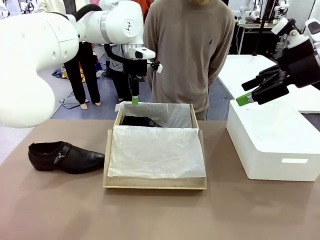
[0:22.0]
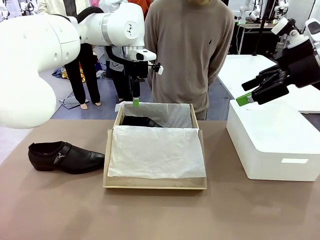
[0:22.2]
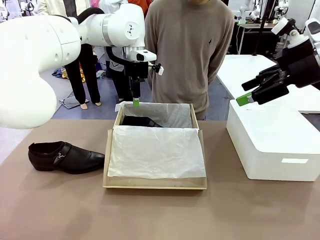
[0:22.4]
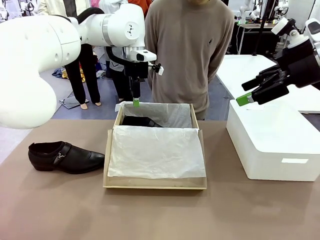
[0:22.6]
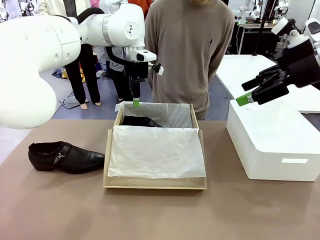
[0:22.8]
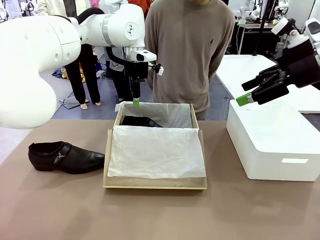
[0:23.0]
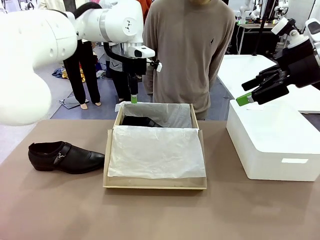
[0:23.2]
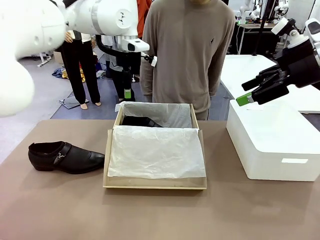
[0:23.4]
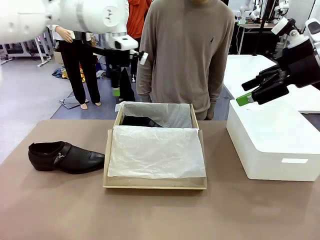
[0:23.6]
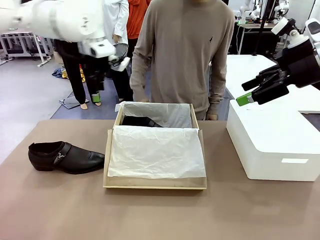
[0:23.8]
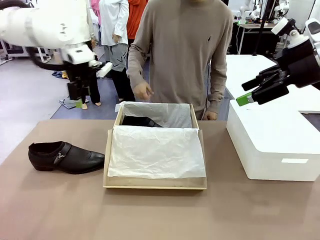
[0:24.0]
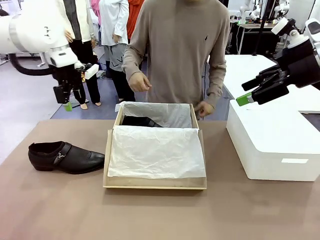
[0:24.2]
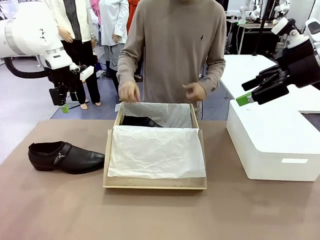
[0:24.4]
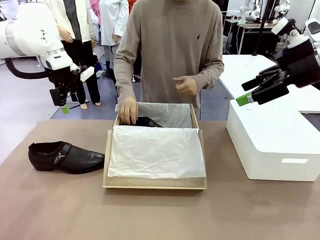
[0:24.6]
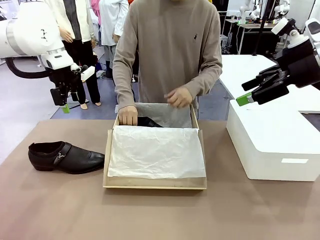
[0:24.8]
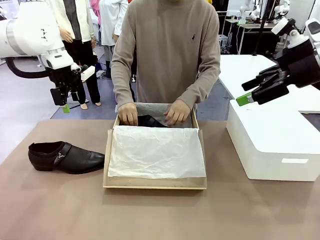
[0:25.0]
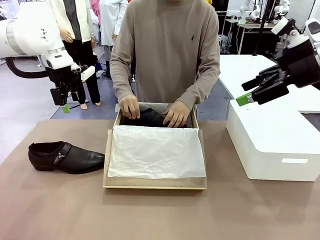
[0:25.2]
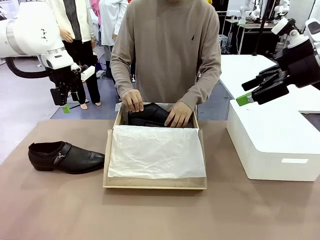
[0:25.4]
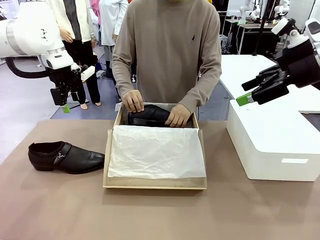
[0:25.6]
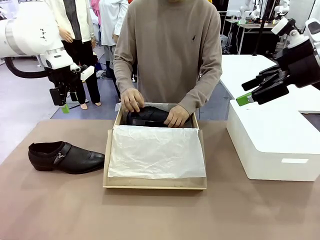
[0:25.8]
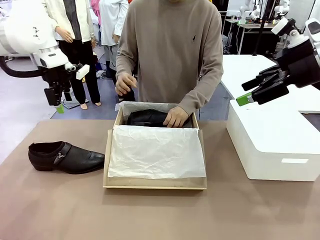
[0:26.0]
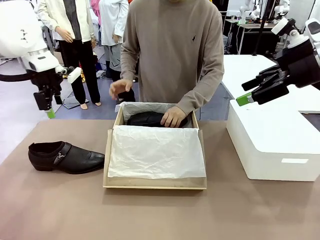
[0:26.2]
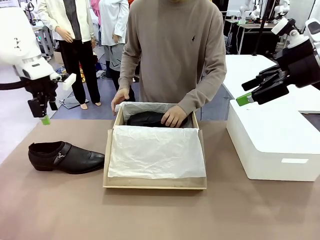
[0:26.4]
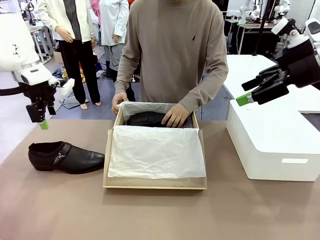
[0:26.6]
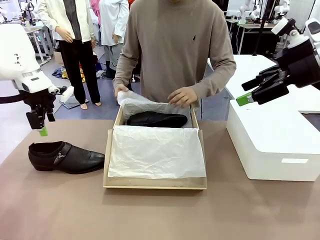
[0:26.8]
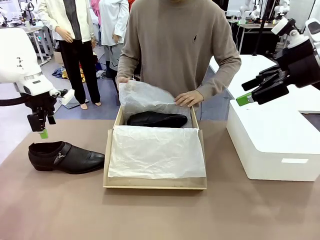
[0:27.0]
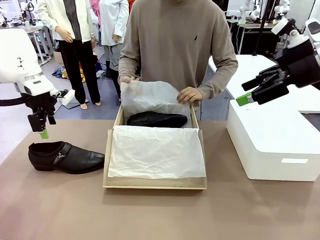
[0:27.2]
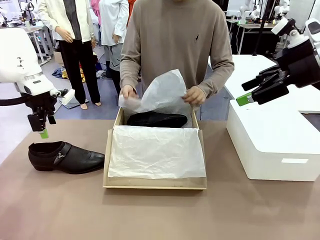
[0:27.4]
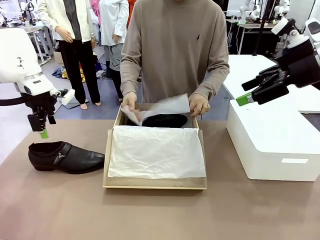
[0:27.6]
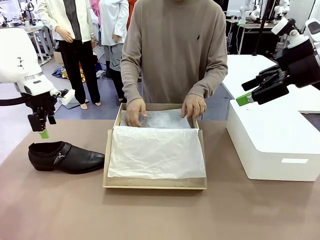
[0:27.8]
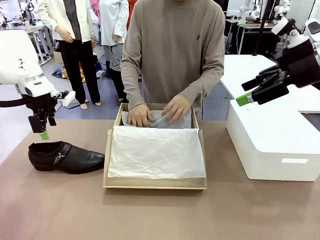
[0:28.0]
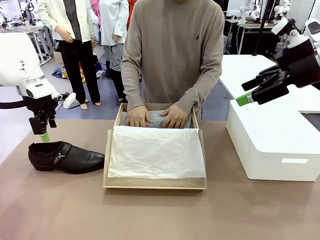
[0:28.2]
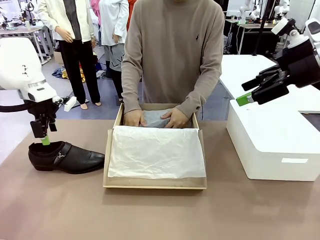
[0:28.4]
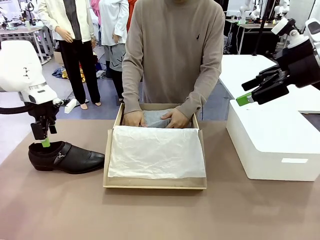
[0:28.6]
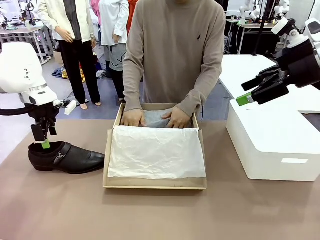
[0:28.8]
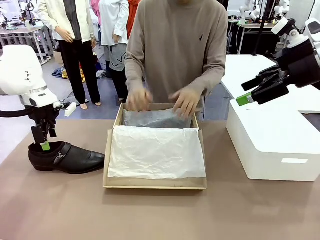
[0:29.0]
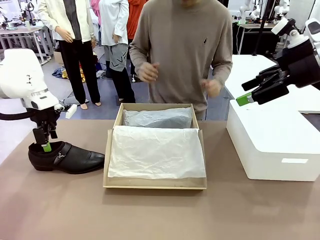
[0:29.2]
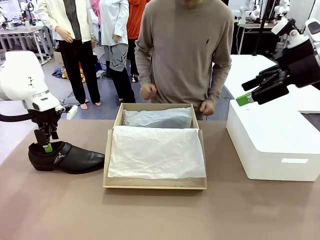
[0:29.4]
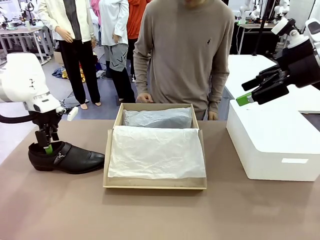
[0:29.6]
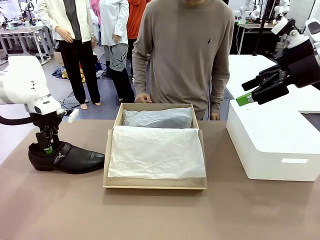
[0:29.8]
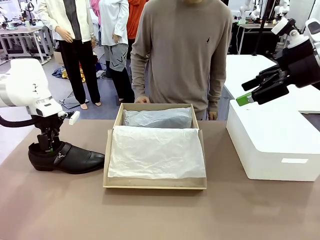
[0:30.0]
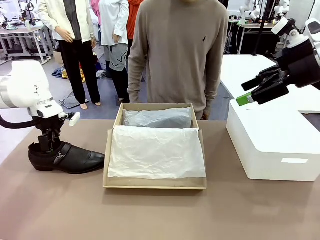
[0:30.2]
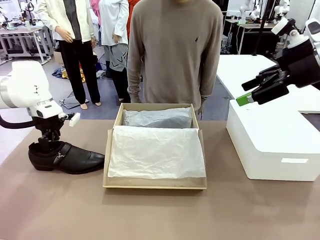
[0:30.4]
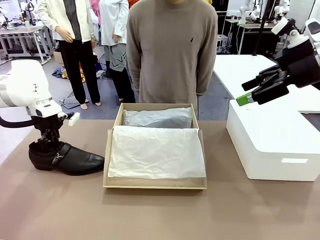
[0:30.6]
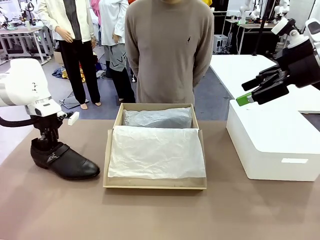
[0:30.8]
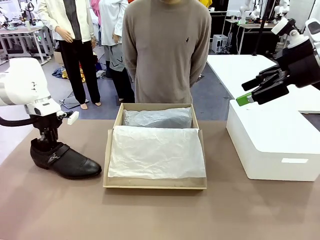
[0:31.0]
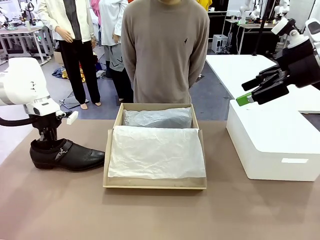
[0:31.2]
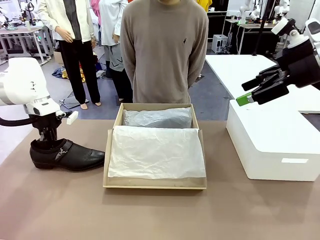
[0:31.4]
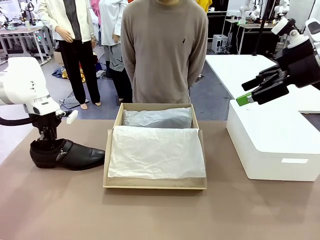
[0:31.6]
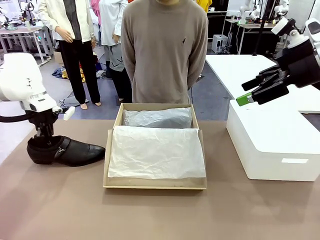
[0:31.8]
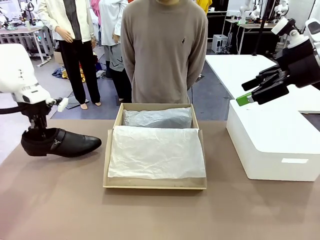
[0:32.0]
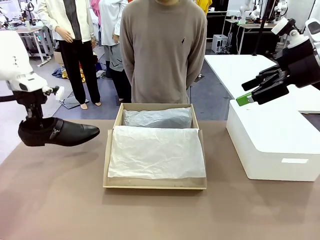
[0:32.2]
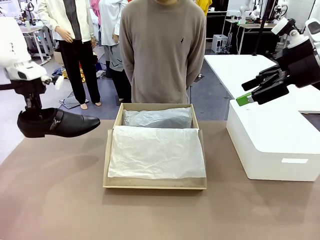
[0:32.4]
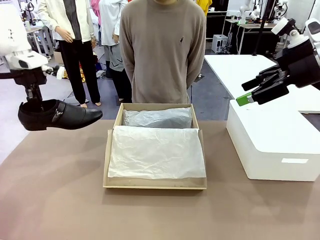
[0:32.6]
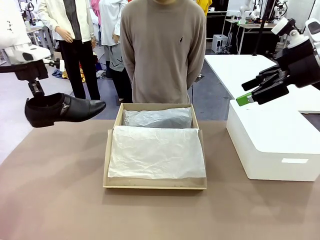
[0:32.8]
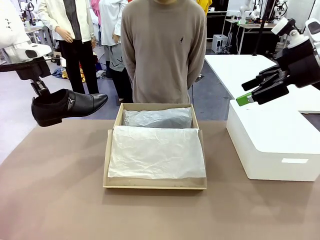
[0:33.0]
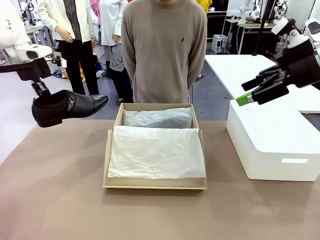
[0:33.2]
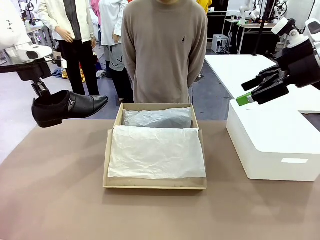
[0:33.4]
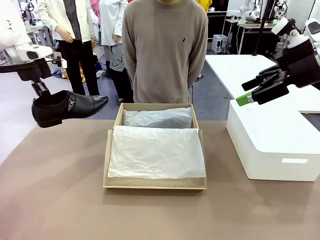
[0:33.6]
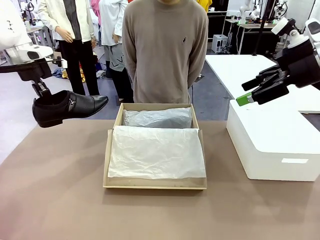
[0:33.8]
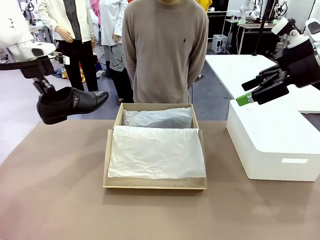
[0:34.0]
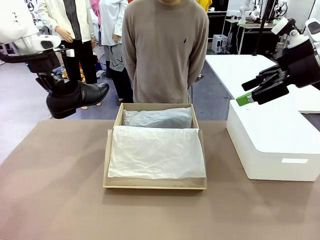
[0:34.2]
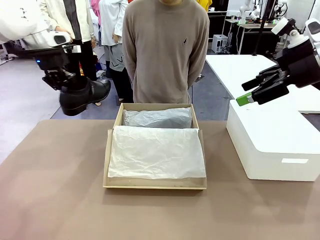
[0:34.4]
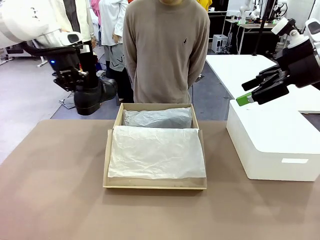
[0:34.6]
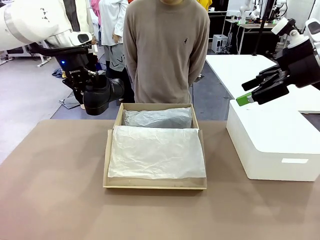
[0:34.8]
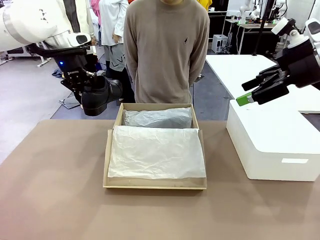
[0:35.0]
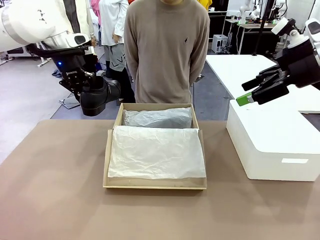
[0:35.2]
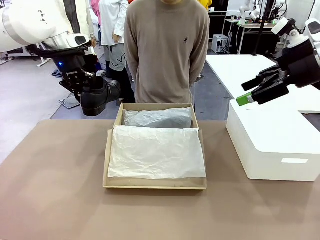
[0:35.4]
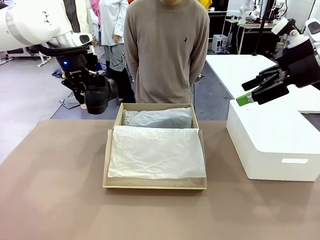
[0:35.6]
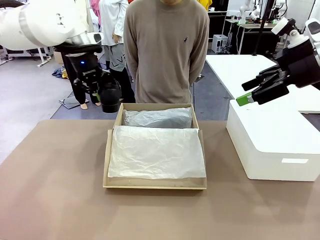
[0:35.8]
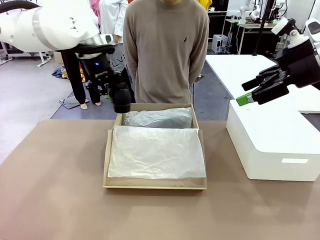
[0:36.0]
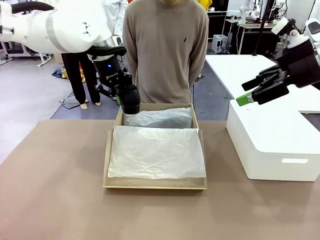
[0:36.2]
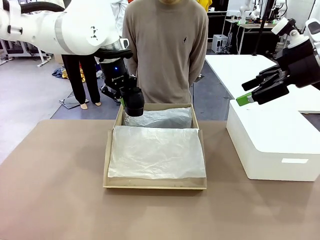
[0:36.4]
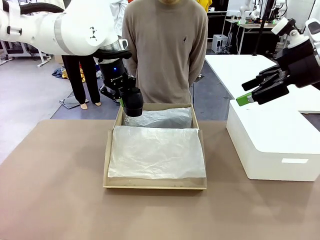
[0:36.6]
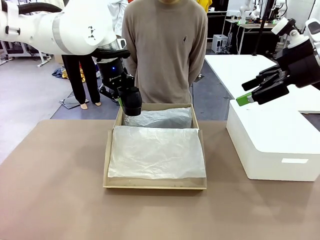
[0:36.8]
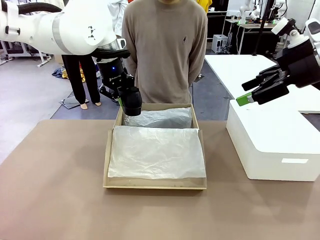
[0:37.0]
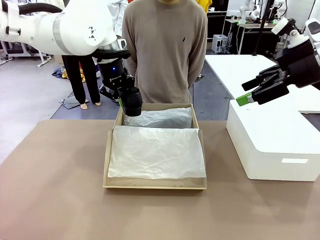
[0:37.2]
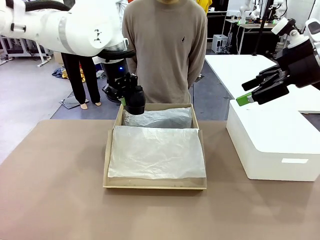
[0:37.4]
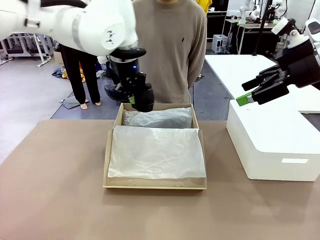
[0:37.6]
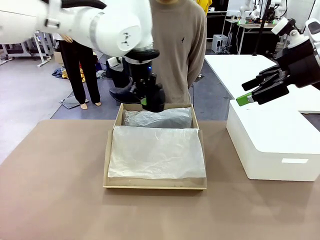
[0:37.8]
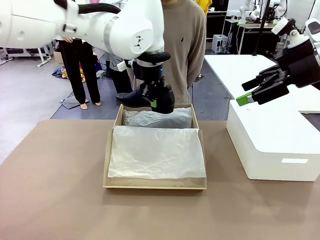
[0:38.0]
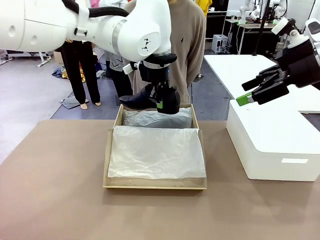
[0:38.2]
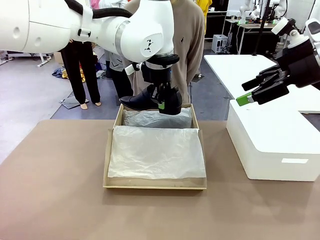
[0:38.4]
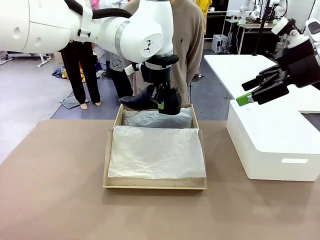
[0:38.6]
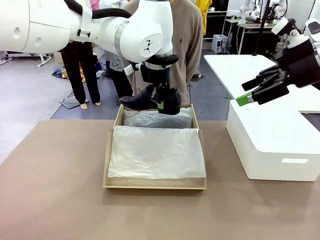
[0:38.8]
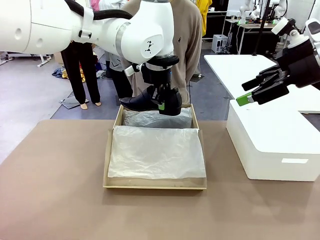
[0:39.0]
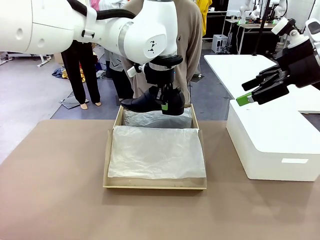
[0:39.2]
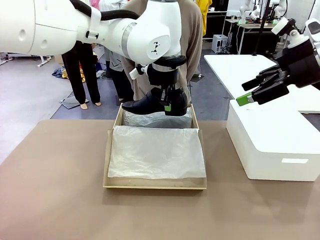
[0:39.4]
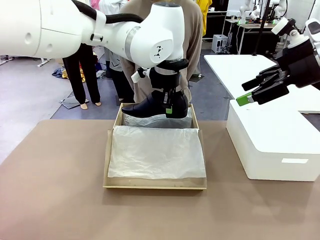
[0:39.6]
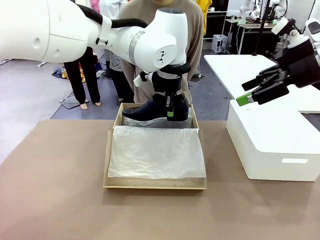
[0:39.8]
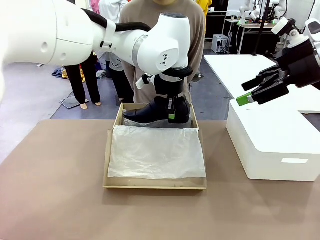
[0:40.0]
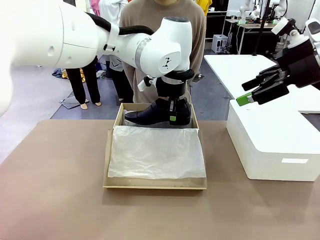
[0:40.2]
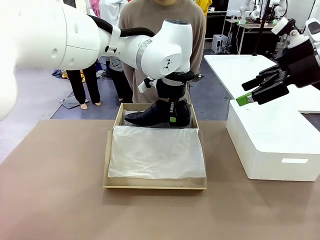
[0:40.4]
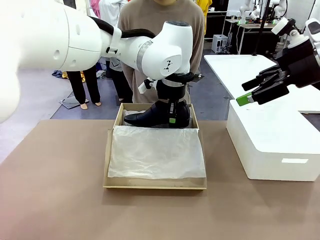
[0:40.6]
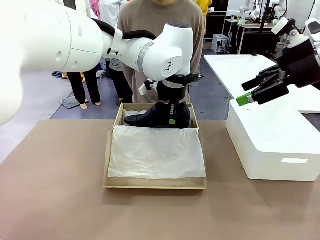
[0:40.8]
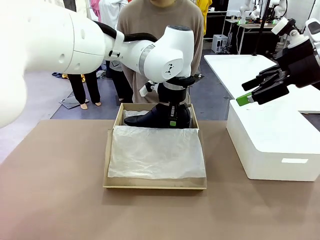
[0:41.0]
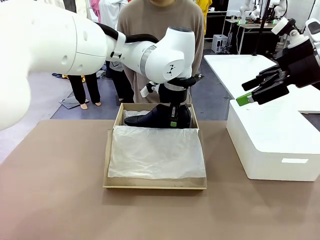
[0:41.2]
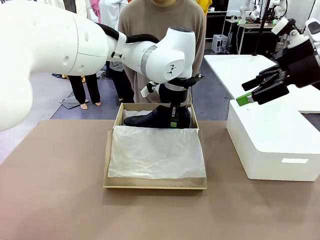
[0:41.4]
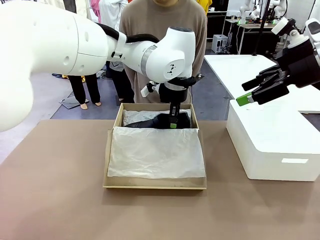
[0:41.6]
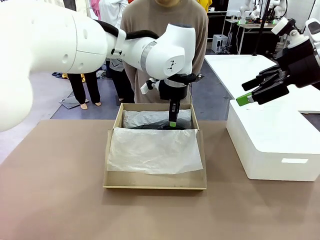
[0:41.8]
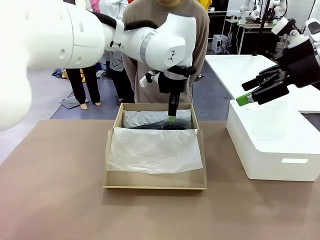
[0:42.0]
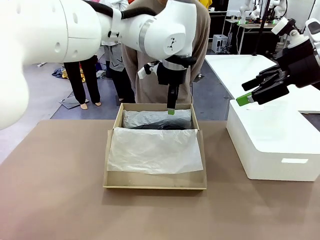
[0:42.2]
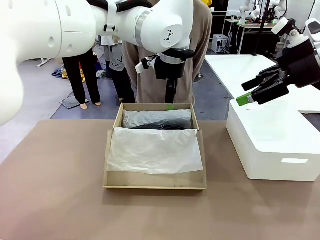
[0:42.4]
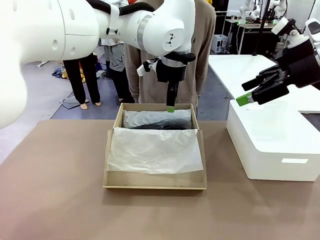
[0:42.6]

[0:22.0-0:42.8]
Task: Pack the shoes into the box.
Robot: Place the other shoe of the Shoes into the Shoes Box.
Person: Pack a shoe of Shoes inside the Shoes Box with Shoes Wrapping Paper.
